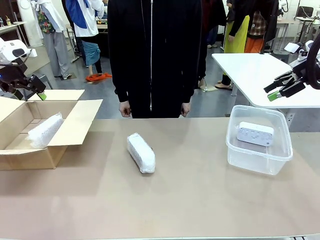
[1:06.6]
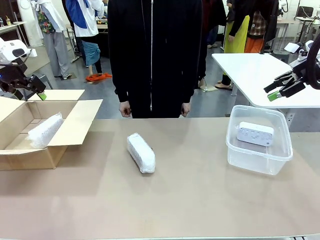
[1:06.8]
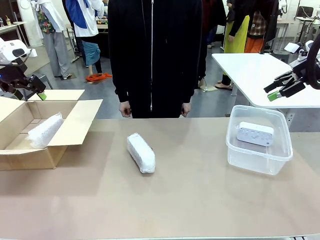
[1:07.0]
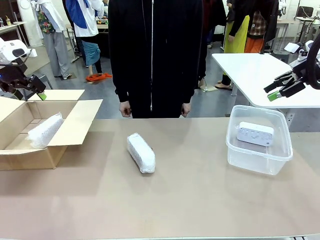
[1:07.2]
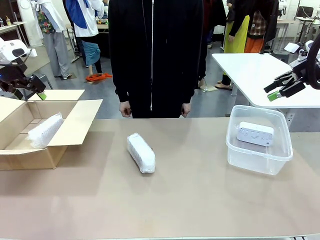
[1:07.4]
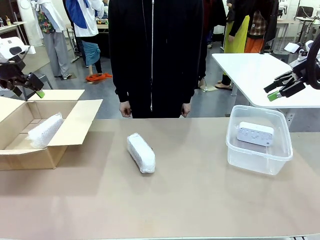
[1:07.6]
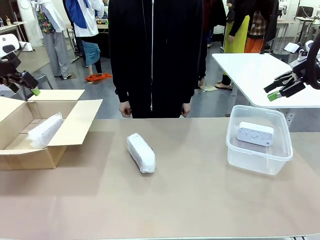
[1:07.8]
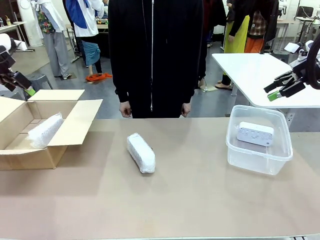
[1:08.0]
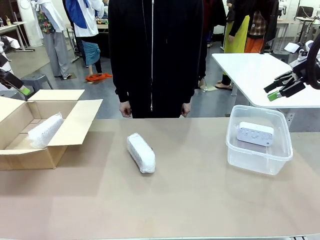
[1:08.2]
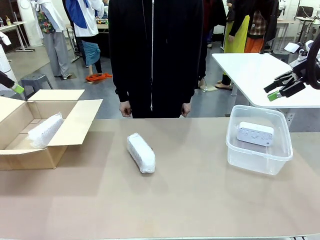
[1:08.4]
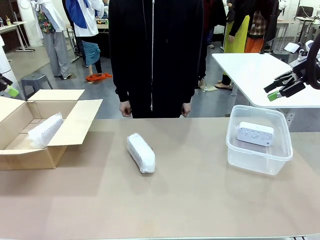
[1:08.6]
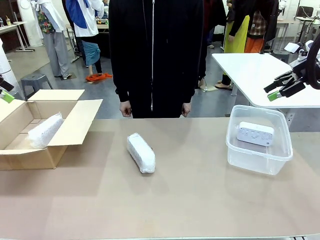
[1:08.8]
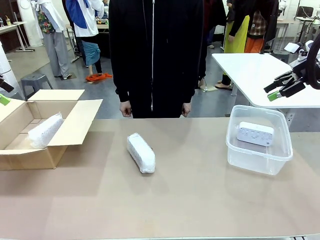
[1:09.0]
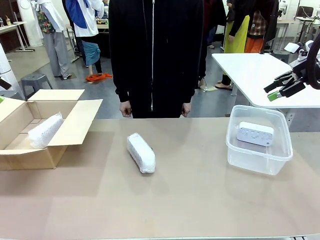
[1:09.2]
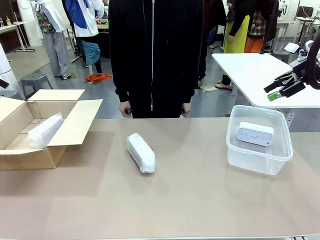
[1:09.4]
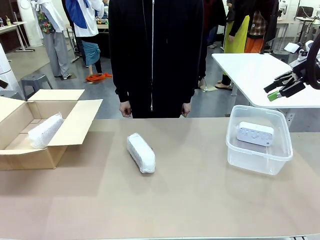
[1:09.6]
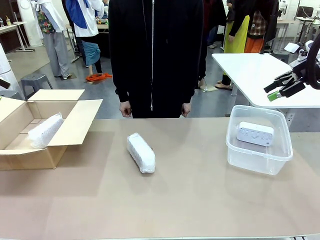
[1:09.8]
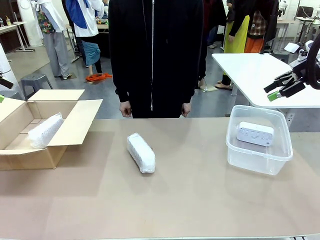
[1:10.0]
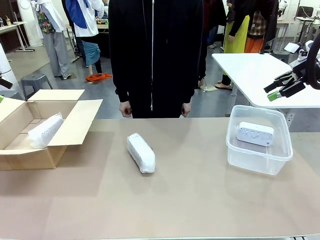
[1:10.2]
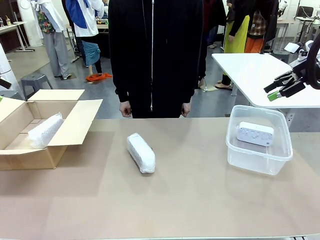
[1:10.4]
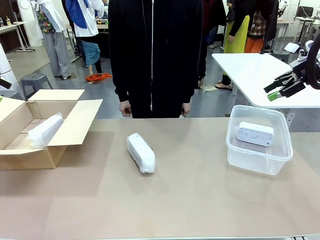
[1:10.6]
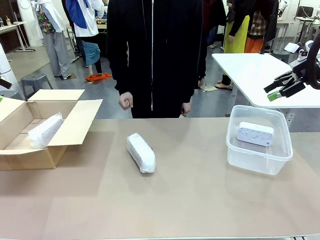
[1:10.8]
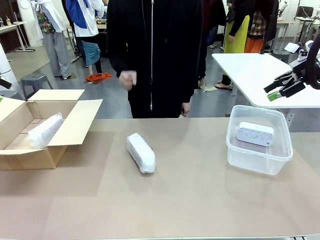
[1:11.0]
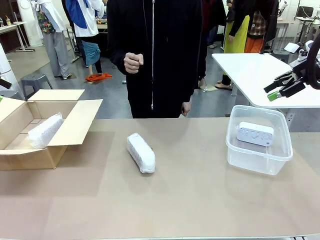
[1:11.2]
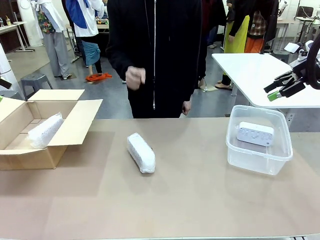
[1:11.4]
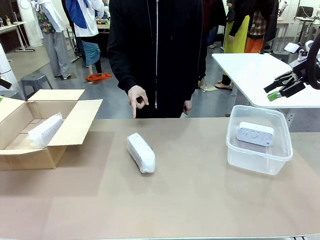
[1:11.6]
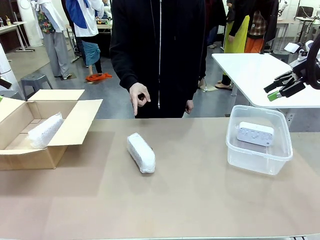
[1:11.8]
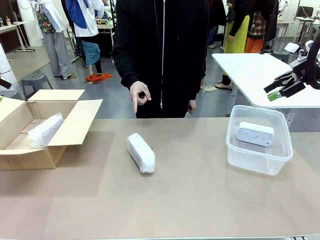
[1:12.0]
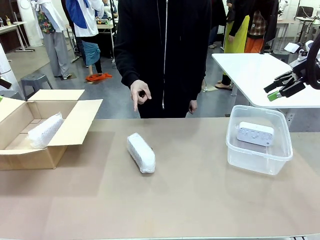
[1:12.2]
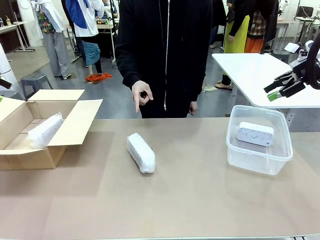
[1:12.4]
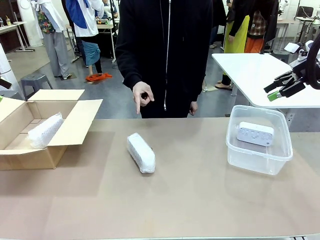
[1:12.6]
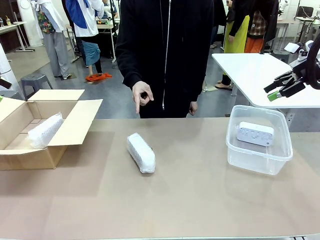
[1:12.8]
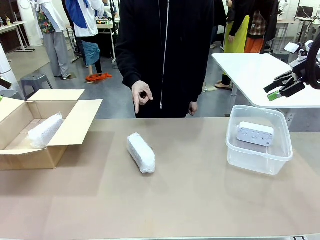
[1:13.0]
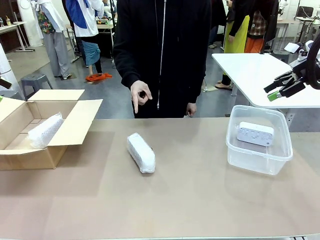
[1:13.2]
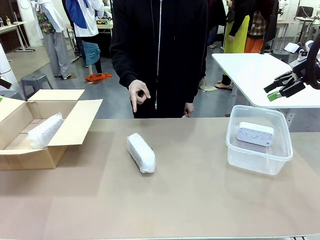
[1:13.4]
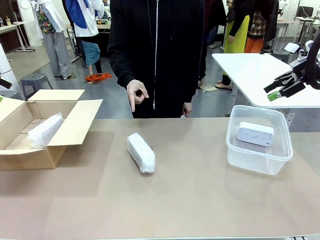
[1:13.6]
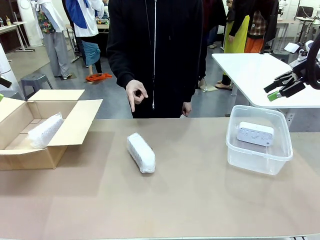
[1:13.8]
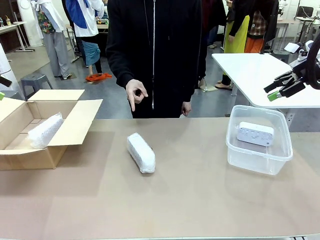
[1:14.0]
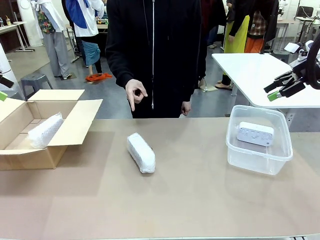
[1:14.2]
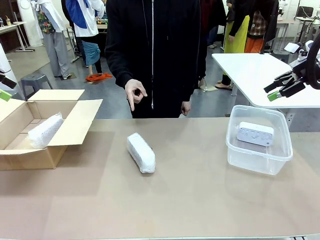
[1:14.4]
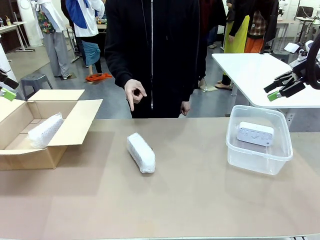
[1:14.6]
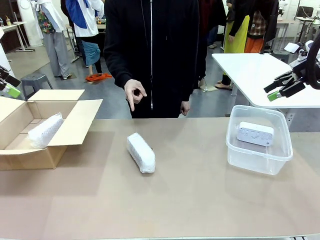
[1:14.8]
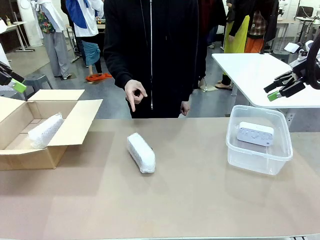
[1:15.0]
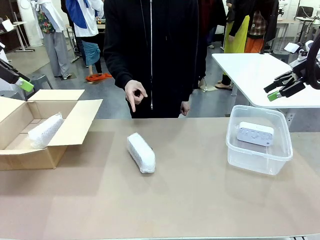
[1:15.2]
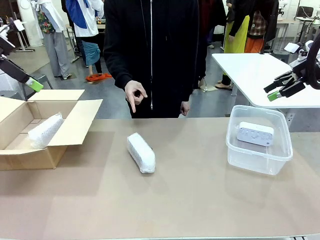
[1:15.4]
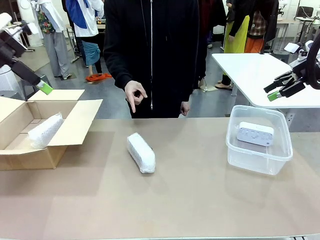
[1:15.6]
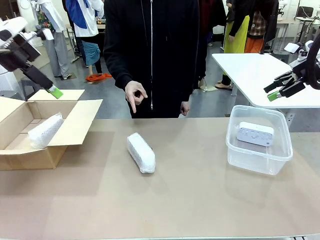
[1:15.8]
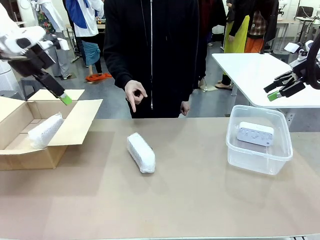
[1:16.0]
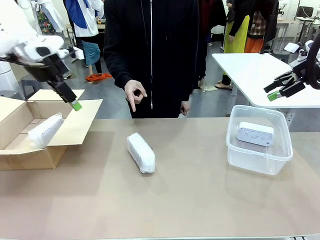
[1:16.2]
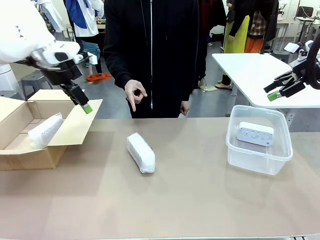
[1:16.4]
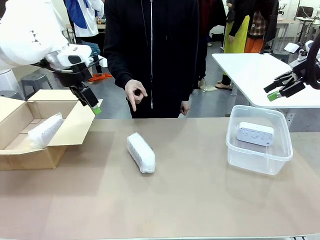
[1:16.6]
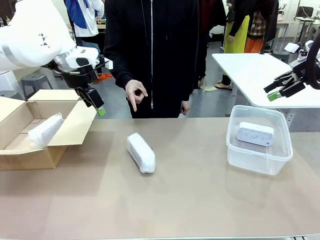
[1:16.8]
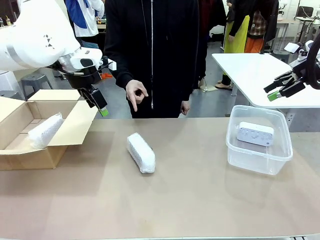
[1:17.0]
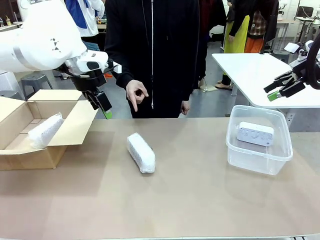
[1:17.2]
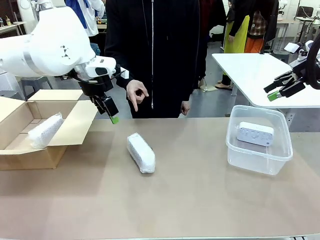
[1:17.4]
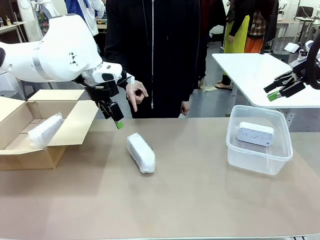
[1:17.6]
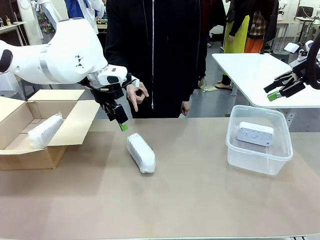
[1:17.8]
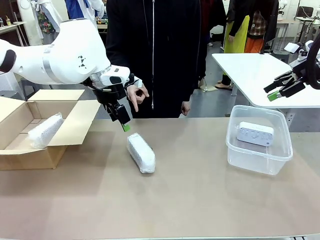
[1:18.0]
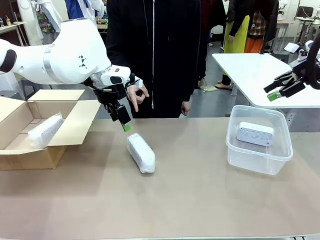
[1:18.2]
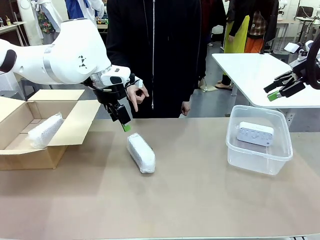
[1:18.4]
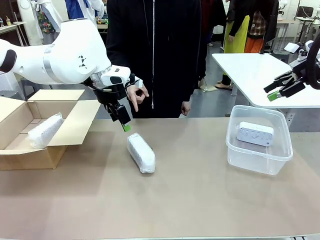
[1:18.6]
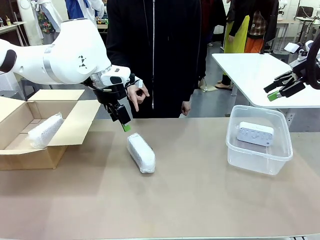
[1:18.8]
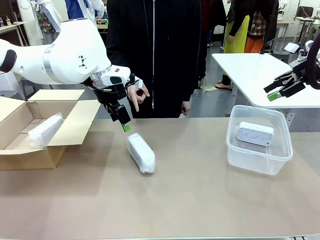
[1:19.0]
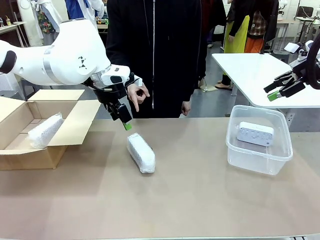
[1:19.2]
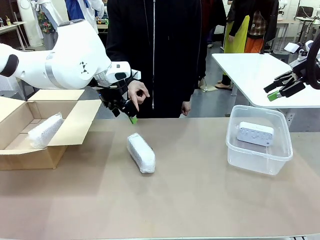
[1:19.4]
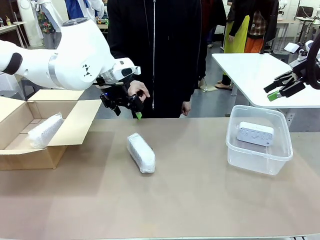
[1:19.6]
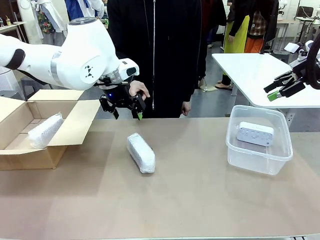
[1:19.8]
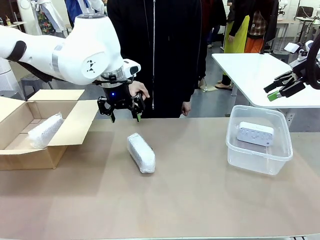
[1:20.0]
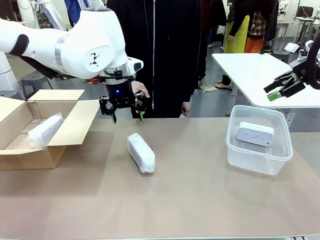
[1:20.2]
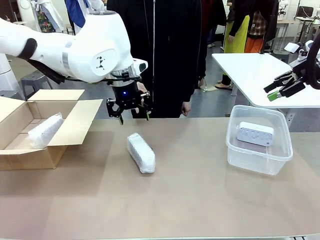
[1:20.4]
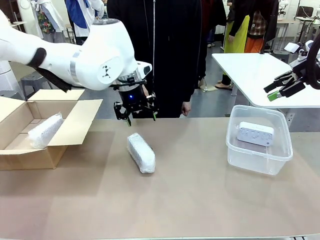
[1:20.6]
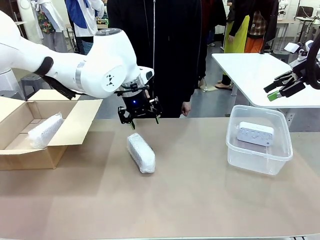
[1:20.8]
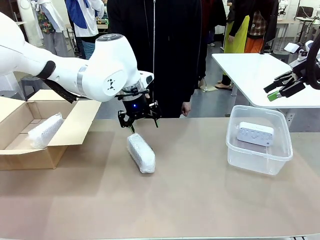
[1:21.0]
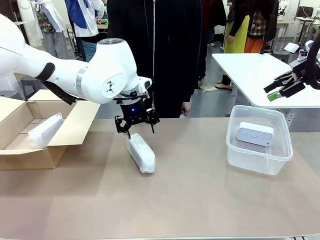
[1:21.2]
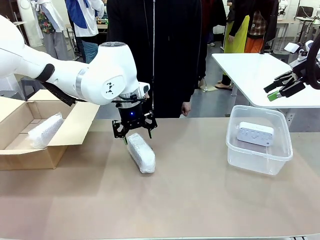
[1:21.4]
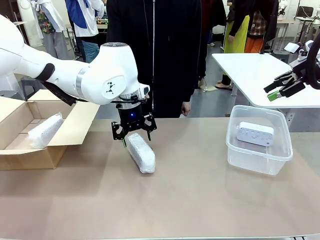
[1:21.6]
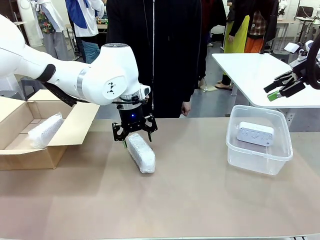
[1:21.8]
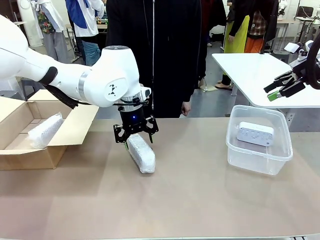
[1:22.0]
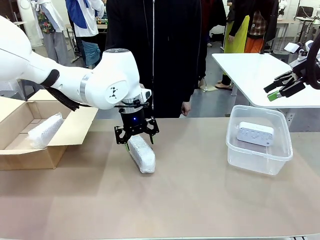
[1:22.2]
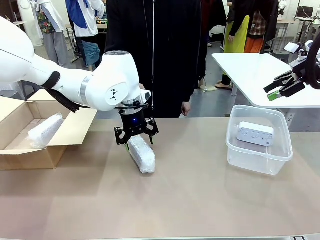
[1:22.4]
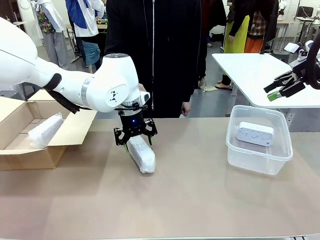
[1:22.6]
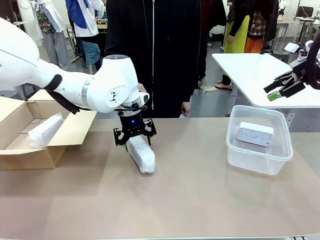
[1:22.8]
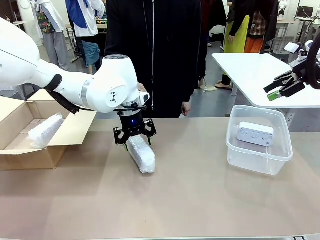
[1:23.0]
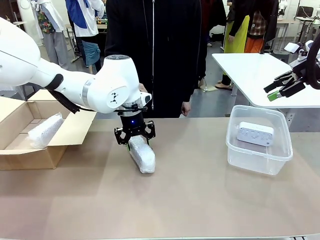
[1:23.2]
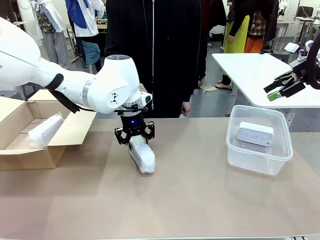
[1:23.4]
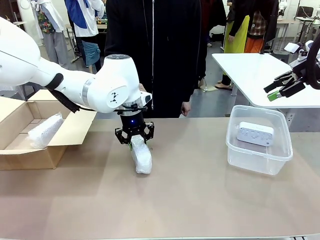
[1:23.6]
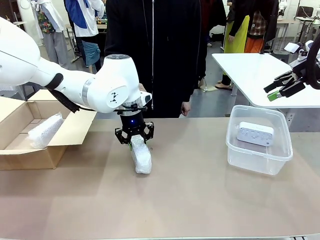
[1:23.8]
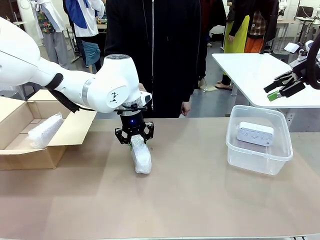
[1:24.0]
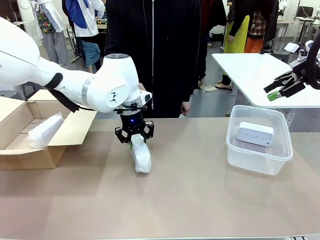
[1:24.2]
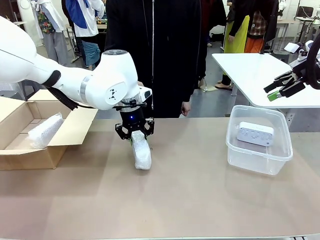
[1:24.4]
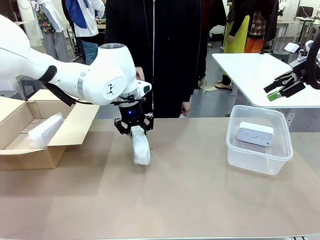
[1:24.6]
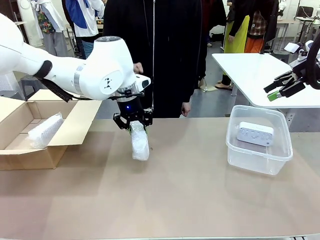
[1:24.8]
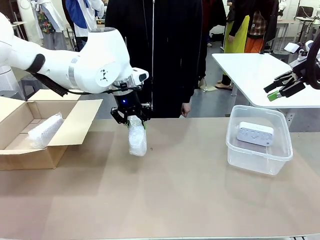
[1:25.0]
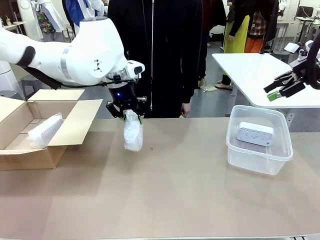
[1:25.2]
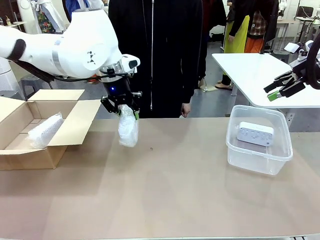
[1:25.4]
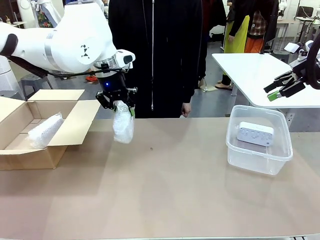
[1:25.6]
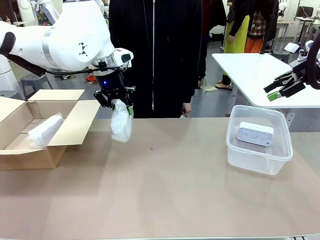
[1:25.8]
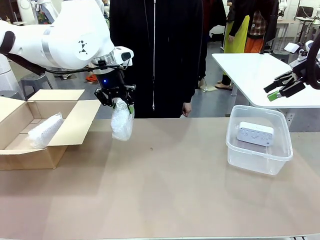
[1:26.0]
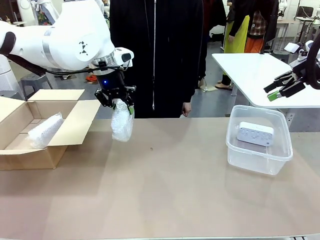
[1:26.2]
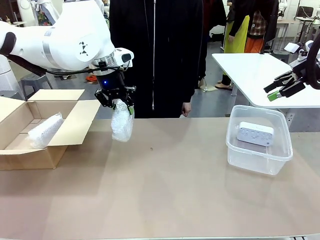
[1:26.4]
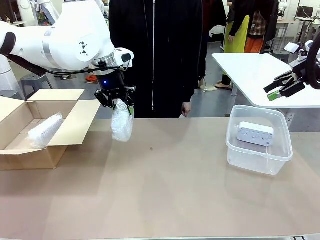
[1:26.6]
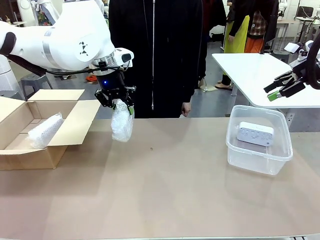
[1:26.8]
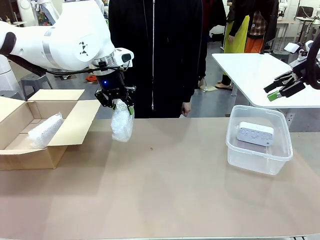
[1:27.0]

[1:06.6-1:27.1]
Task: Separate and place wrapped and unwrapped clocks.
Robot: Pick up the Digital clock indicated by the person.
